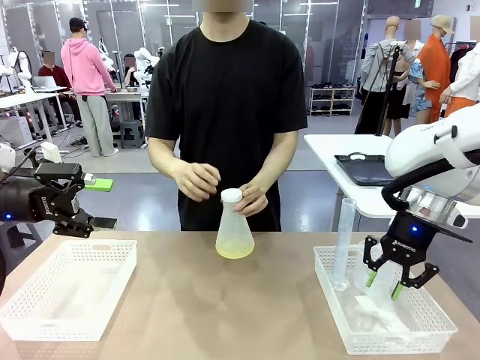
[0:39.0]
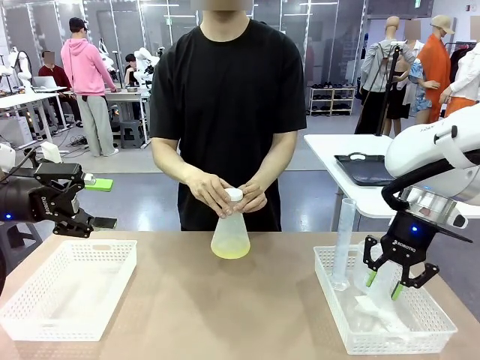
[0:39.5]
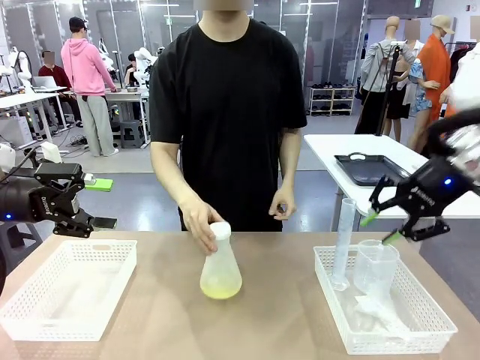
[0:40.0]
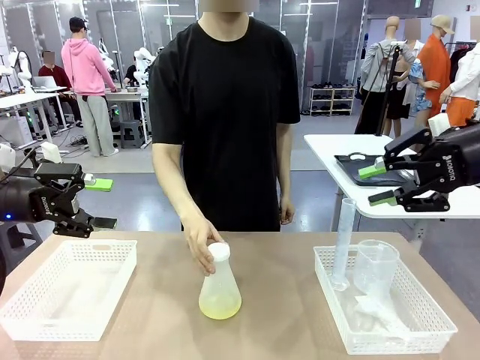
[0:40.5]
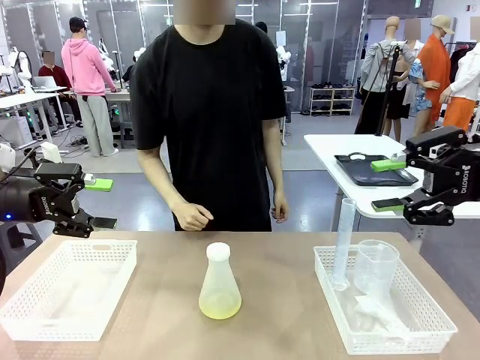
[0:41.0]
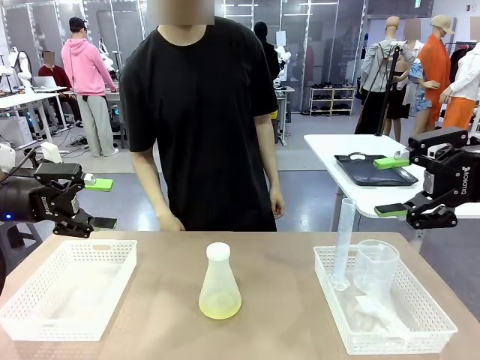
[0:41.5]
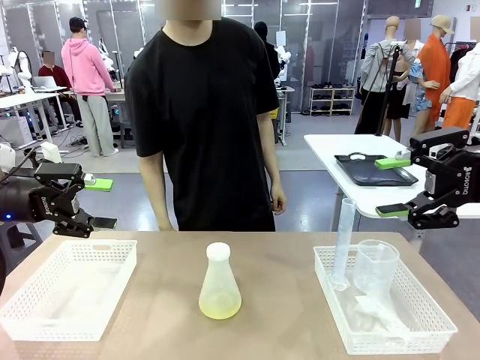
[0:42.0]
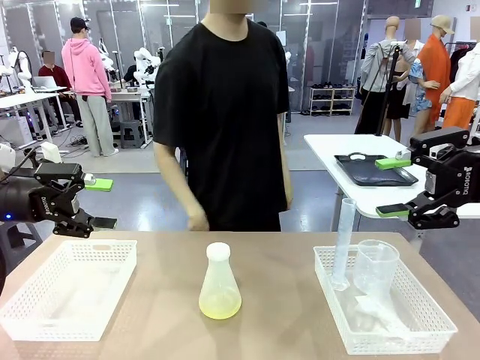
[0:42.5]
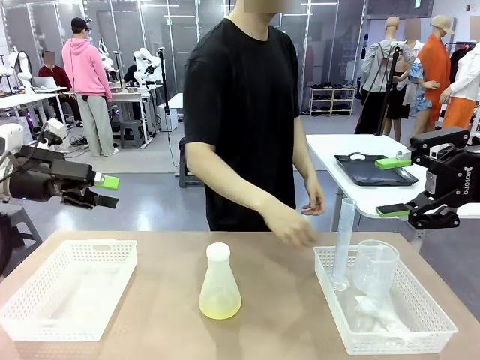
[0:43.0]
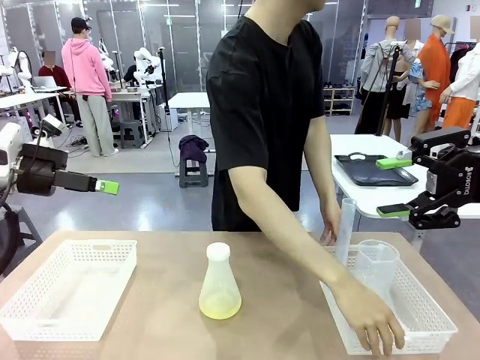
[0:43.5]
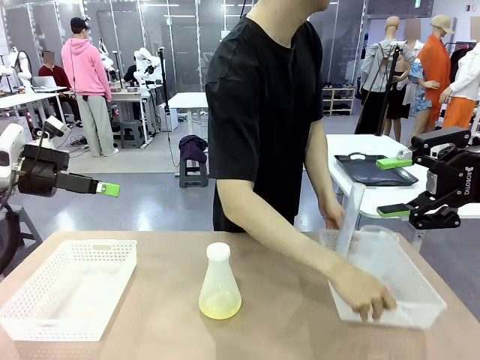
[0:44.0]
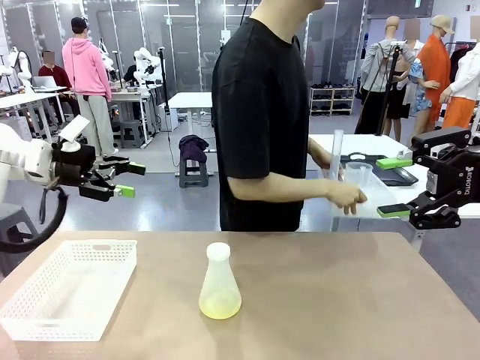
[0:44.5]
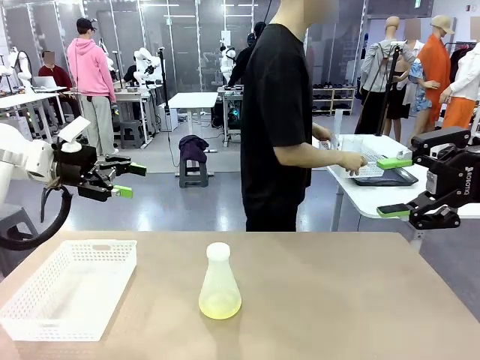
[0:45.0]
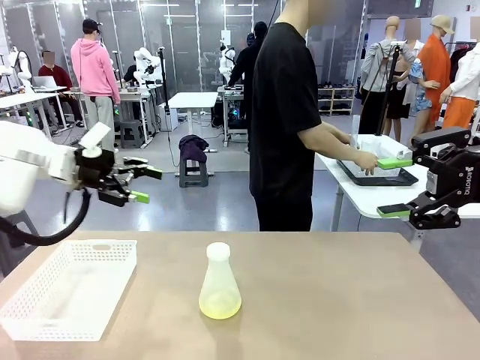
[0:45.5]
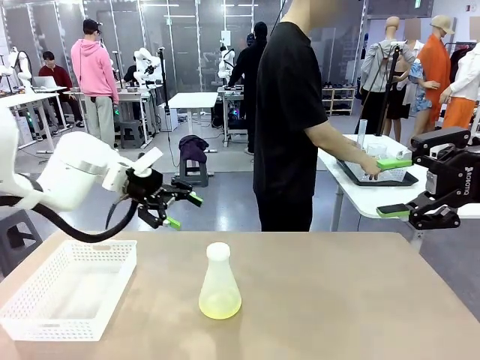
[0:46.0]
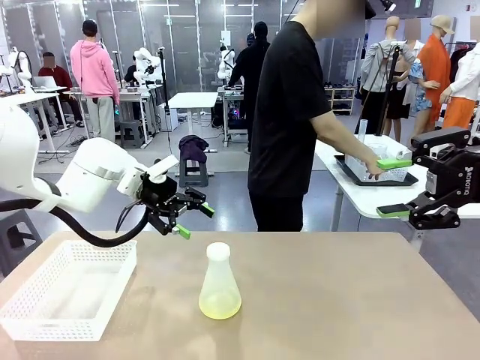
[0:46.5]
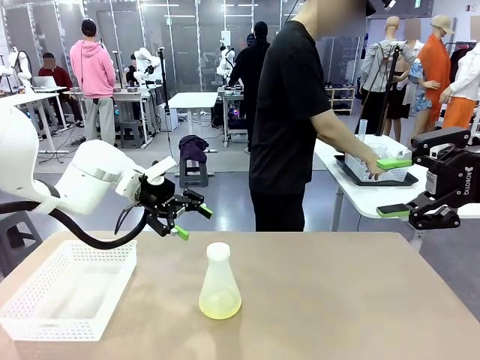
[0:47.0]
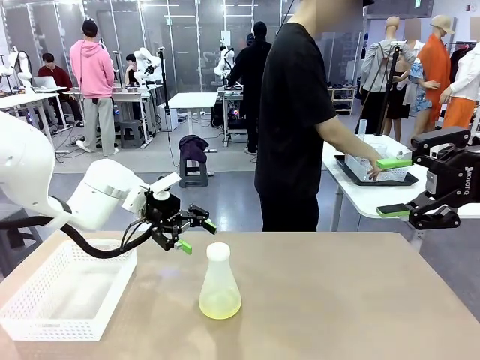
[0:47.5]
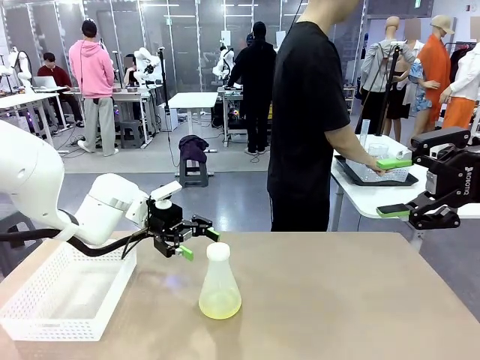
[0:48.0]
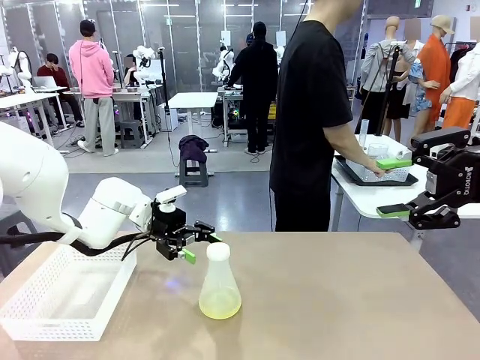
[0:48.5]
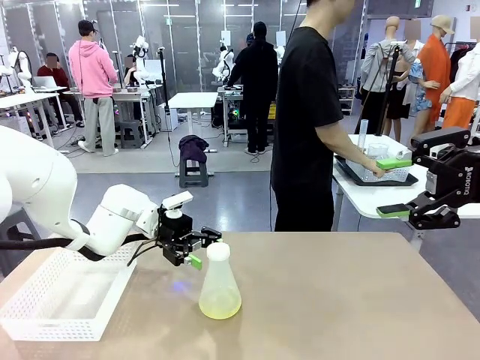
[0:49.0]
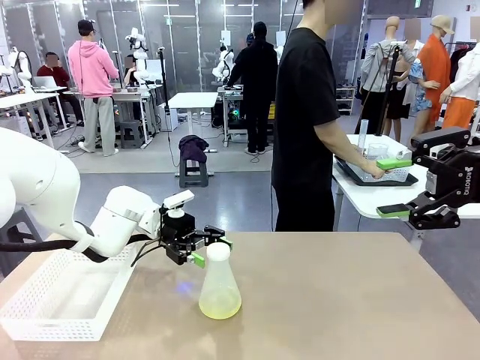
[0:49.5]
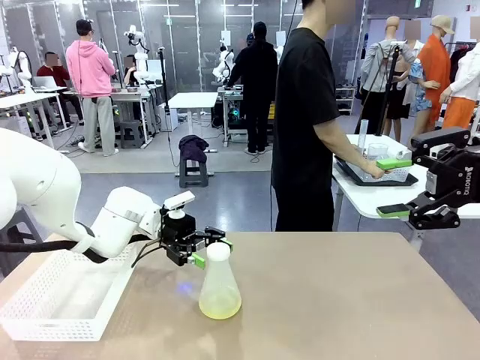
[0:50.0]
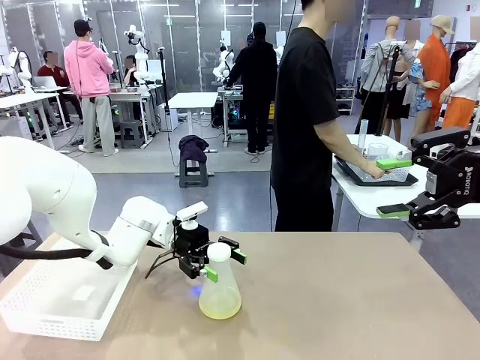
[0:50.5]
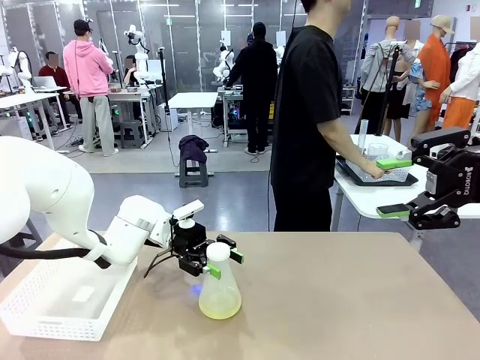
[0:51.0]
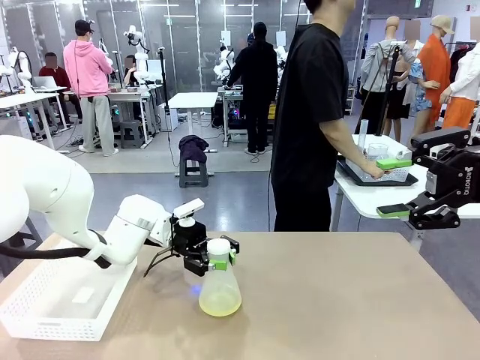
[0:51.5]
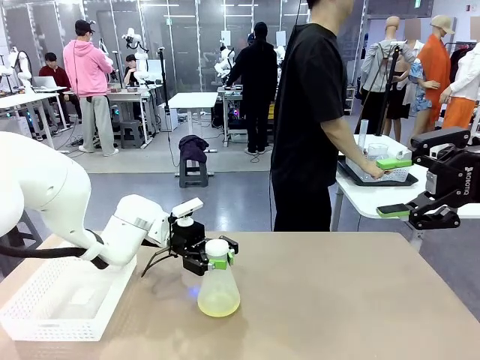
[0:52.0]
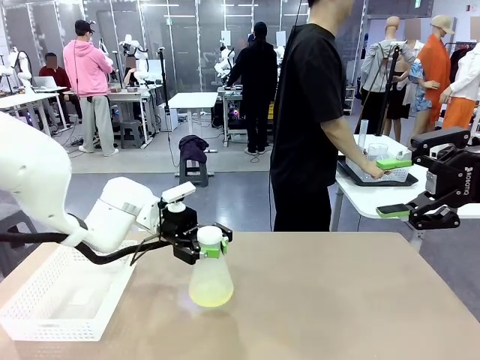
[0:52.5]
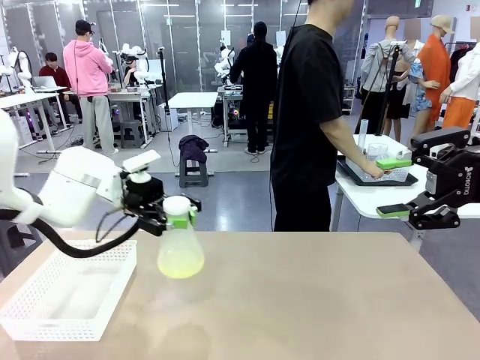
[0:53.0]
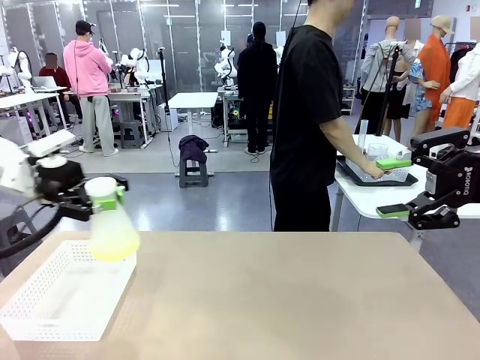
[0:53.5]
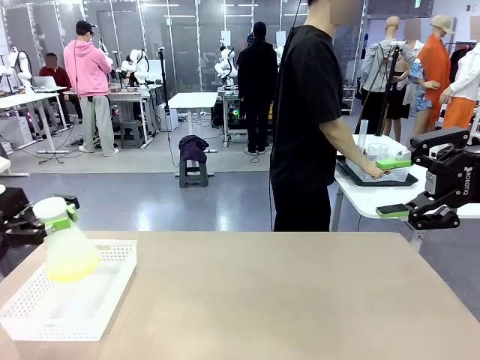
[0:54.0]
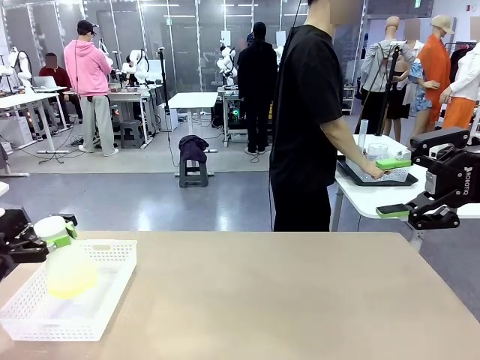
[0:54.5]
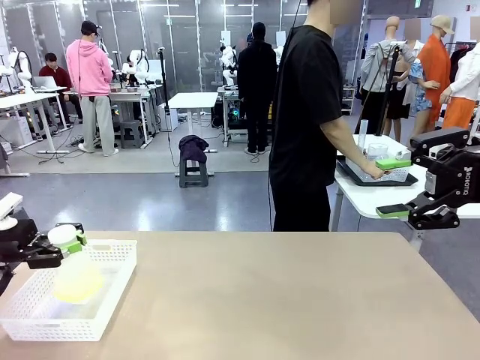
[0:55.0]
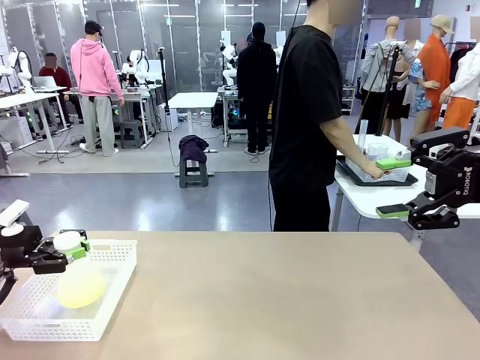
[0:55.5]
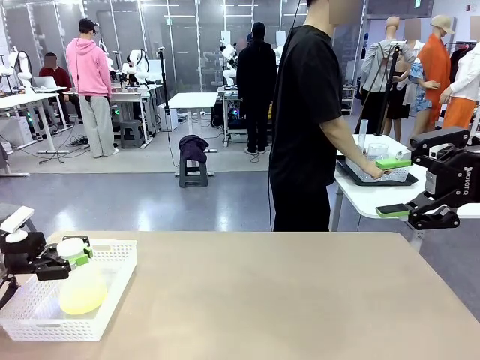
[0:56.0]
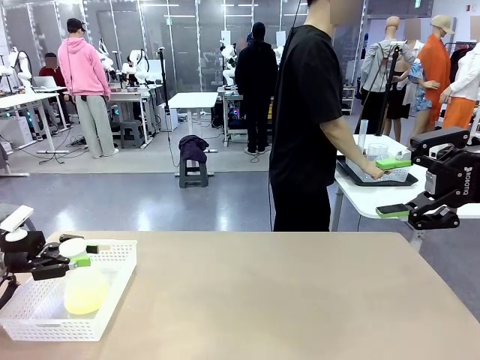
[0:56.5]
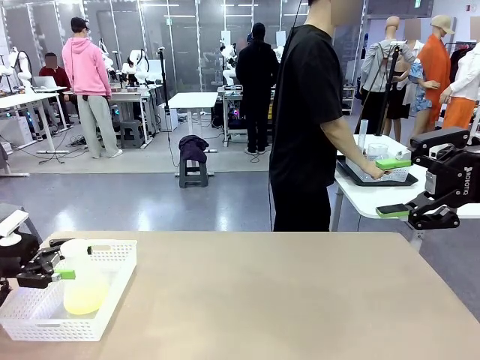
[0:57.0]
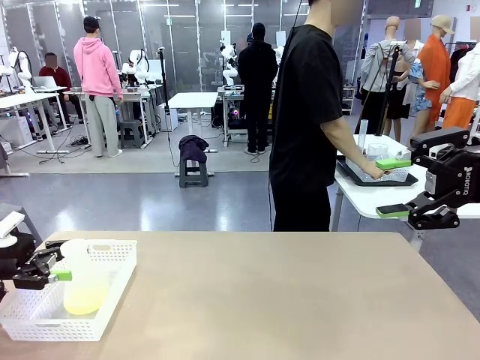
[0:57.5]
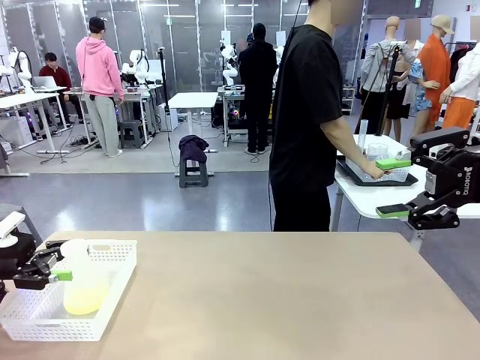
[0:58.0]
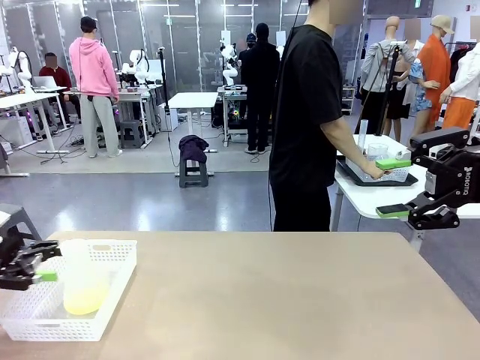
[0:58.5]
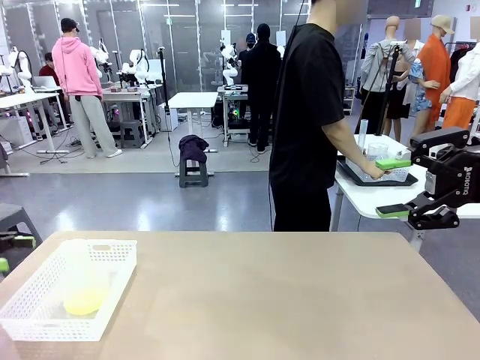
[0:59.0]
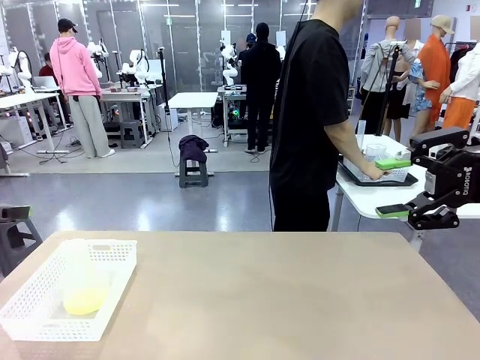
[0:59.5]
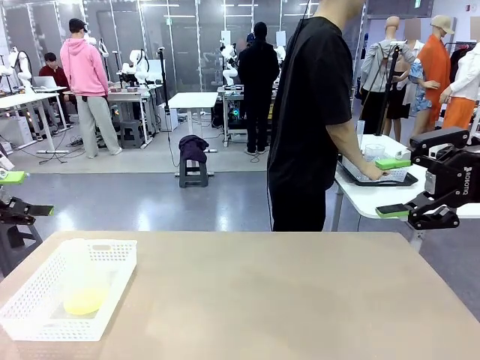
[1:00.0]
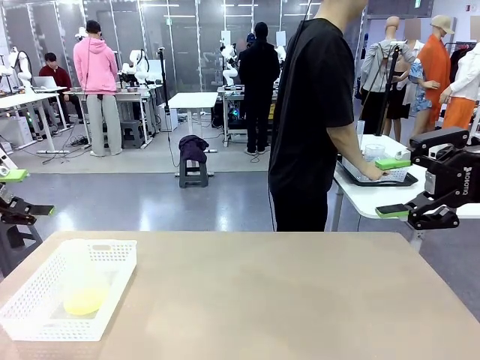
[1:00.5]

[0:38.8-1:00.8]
Task: Prepare the solutions needed for the experiment.
Robot: When the human places the Big flask in the center of the table, pick up the Big flask and place it in the left Organizing basket.
Person: Pick up the organizing basket on the left side of the robot table and place it on the left side of the human table.
